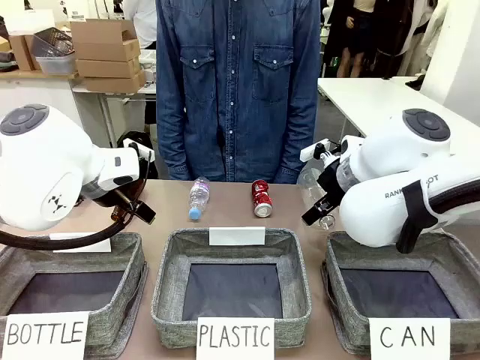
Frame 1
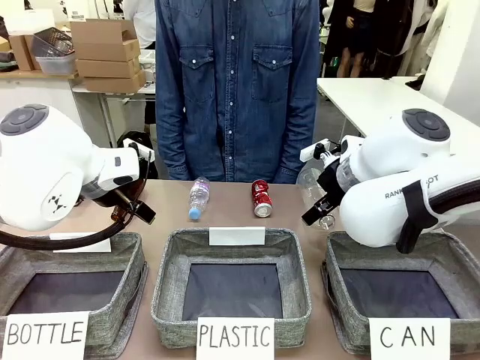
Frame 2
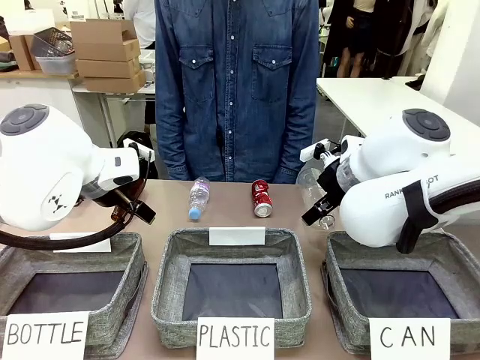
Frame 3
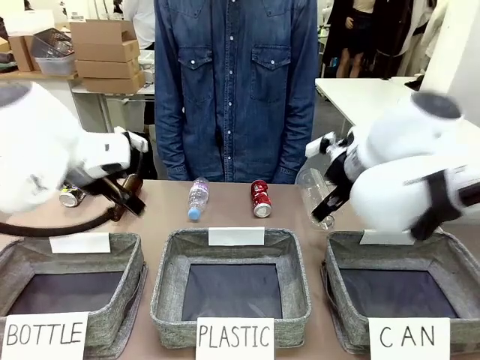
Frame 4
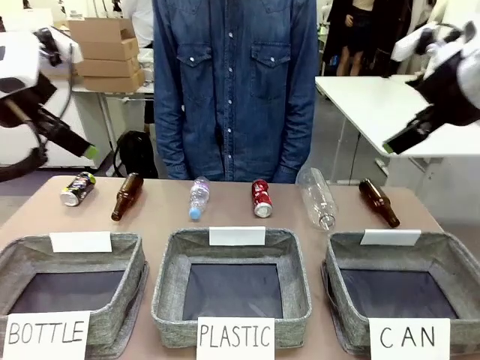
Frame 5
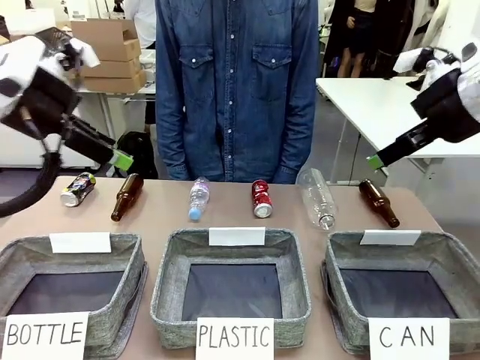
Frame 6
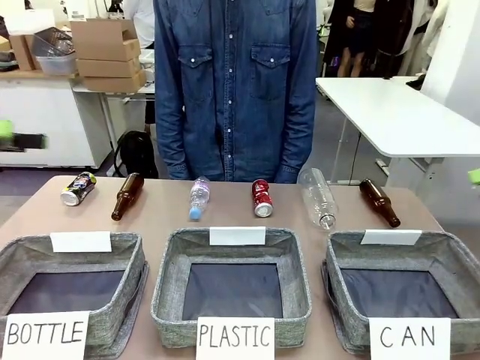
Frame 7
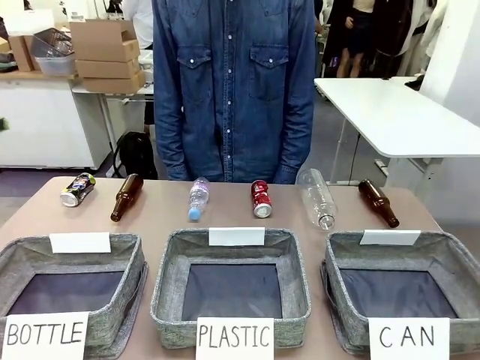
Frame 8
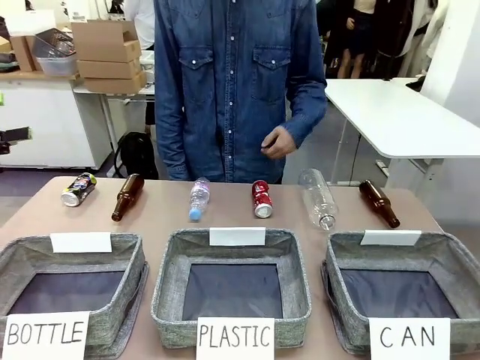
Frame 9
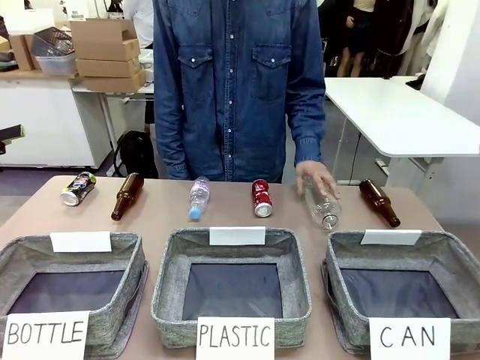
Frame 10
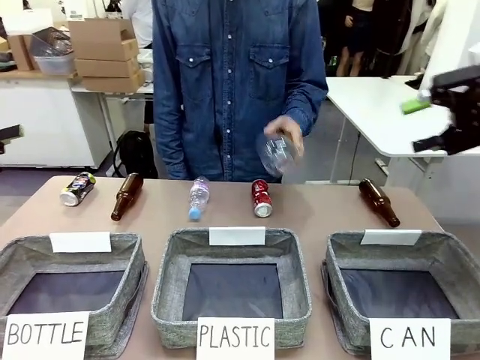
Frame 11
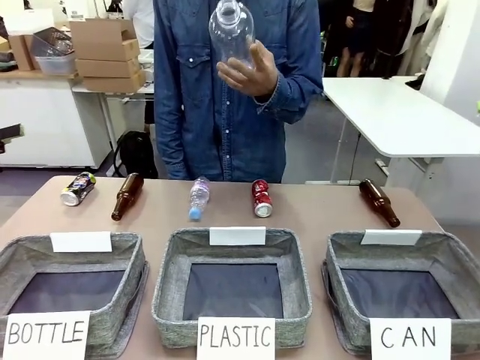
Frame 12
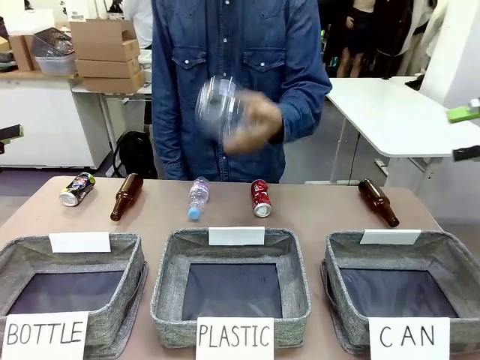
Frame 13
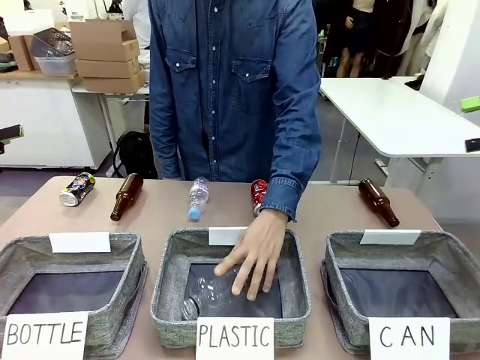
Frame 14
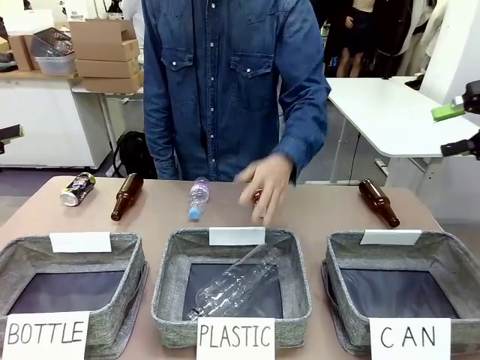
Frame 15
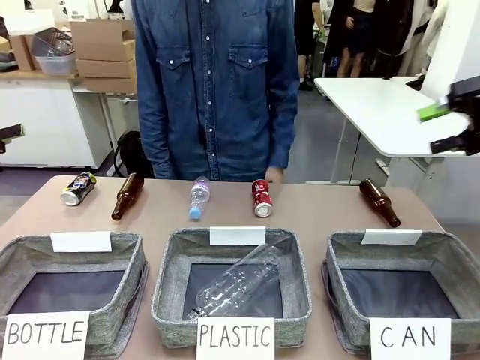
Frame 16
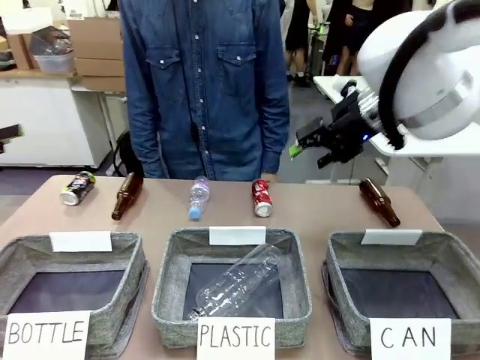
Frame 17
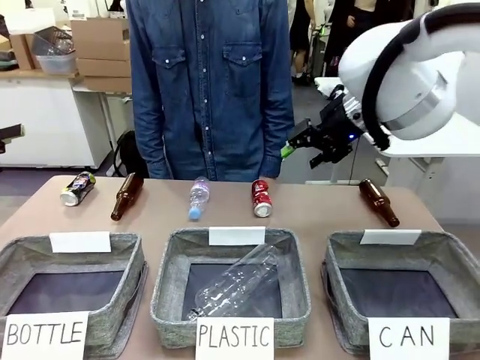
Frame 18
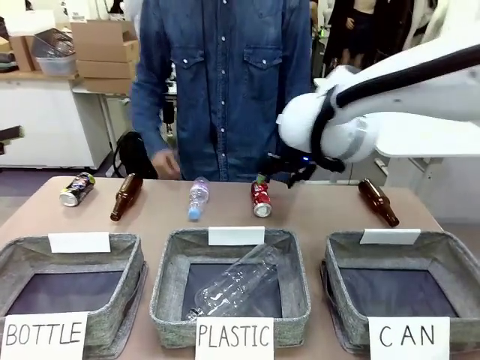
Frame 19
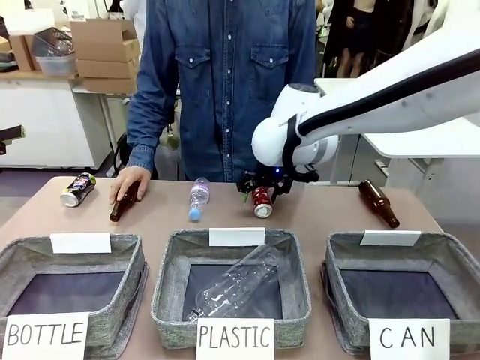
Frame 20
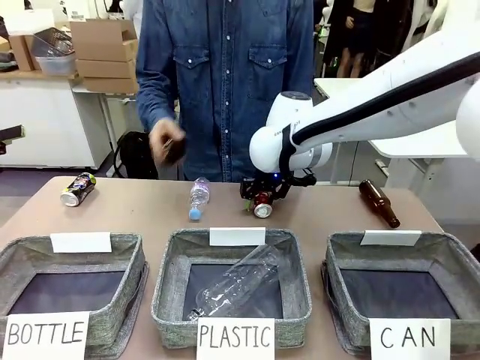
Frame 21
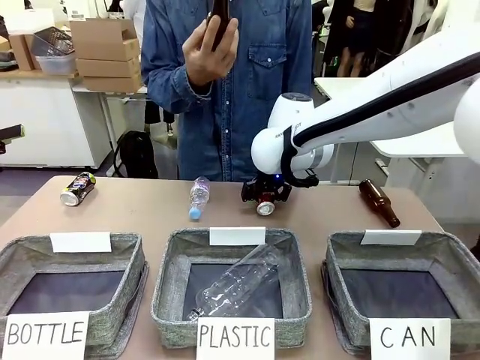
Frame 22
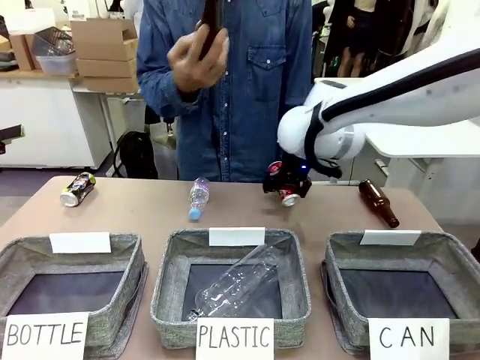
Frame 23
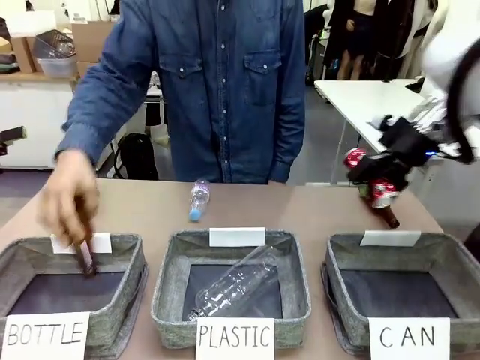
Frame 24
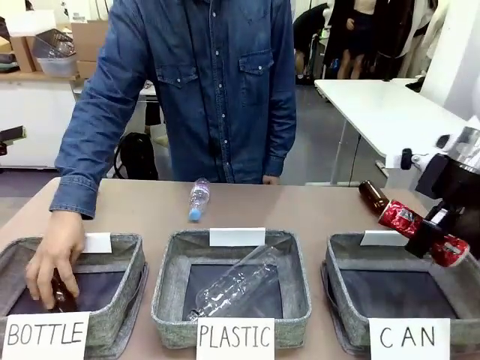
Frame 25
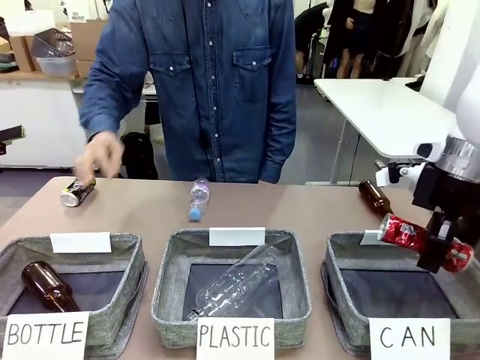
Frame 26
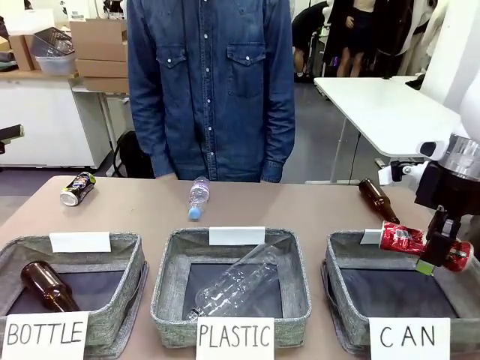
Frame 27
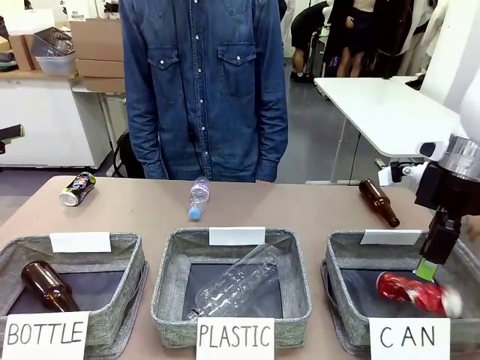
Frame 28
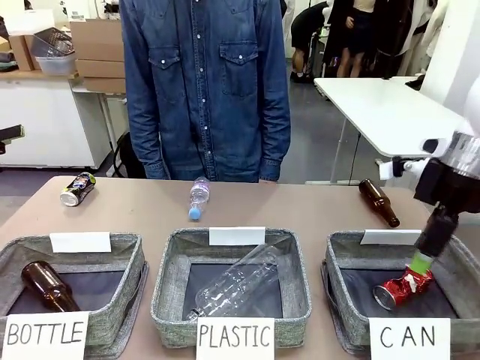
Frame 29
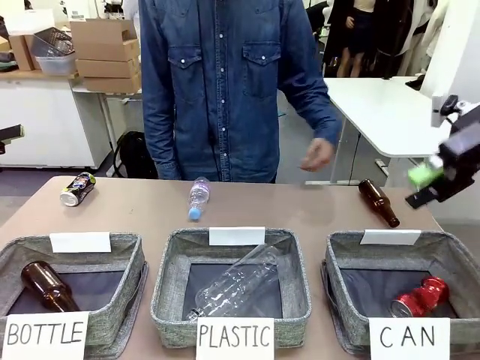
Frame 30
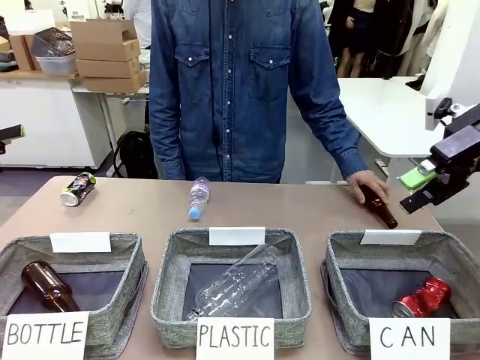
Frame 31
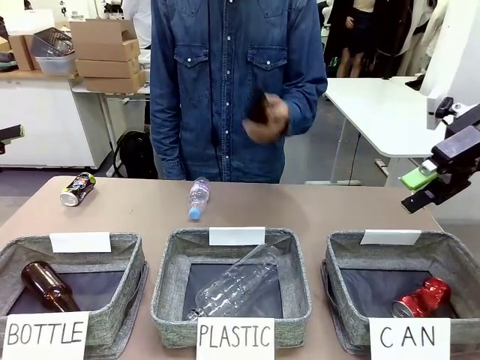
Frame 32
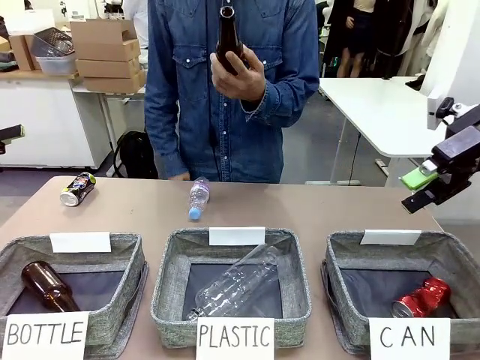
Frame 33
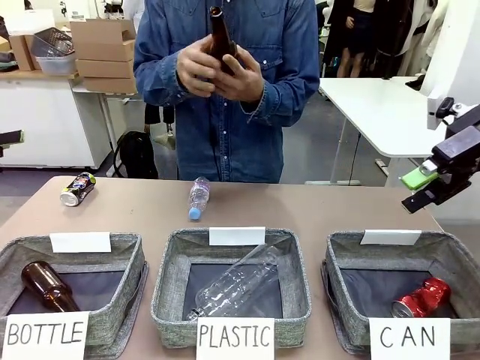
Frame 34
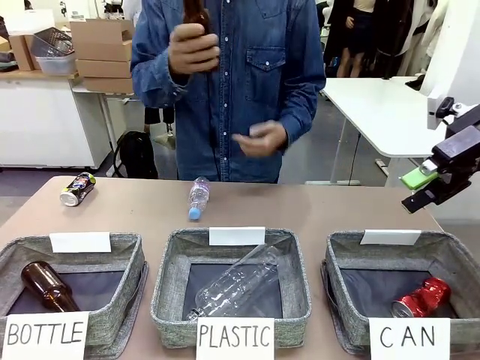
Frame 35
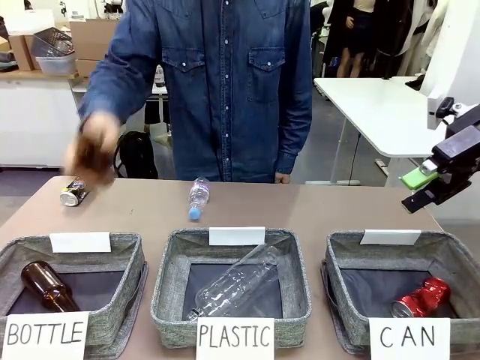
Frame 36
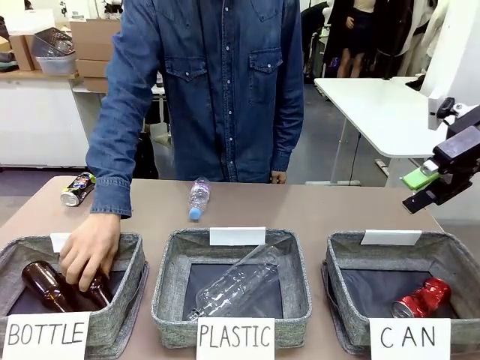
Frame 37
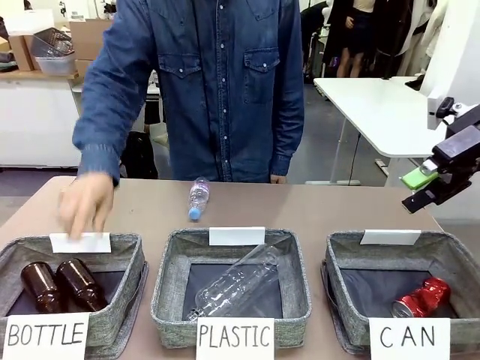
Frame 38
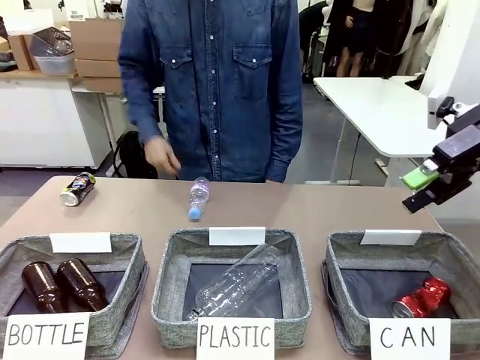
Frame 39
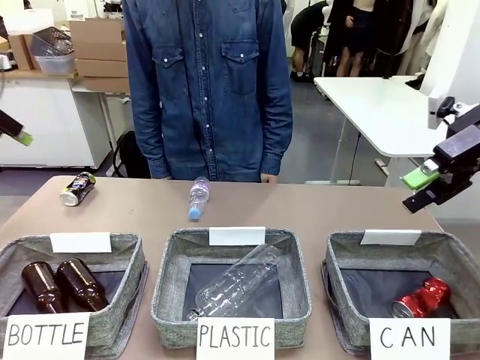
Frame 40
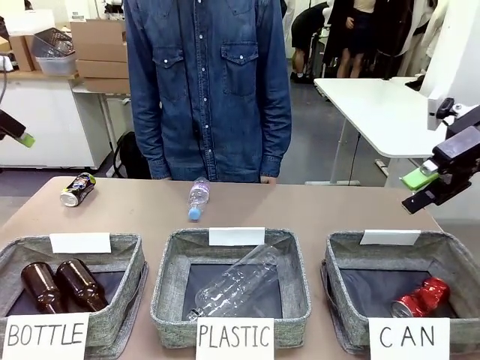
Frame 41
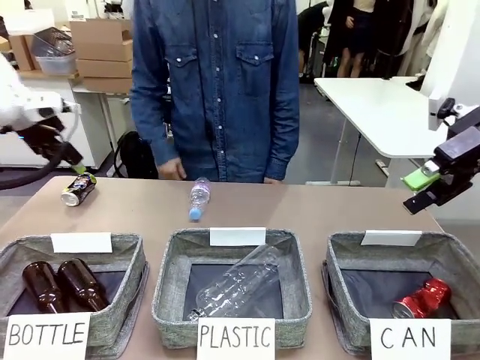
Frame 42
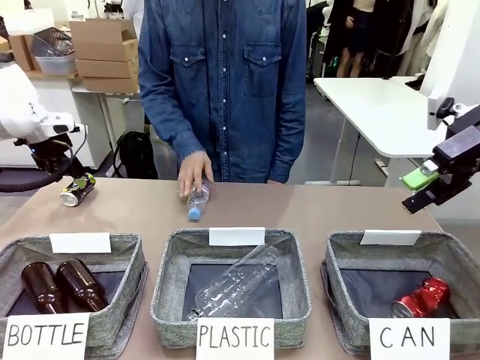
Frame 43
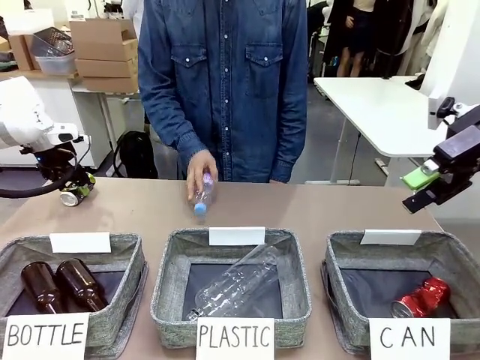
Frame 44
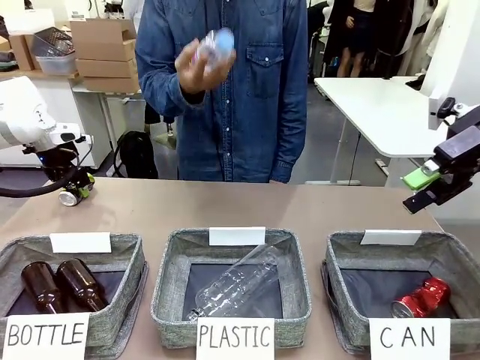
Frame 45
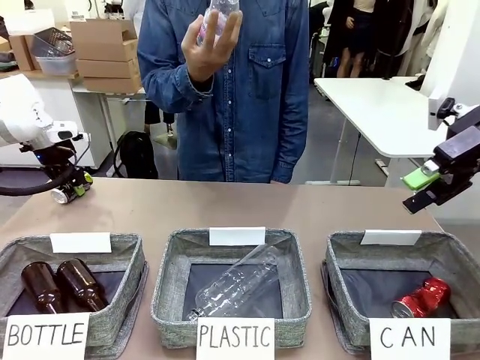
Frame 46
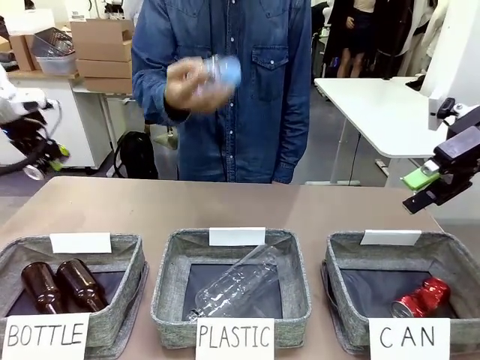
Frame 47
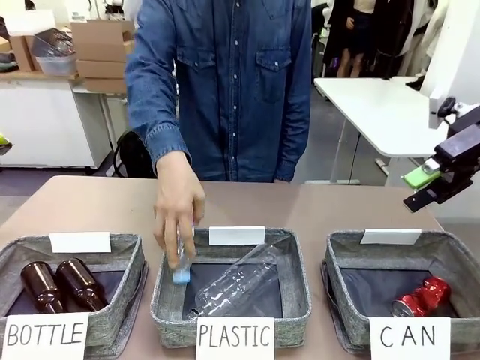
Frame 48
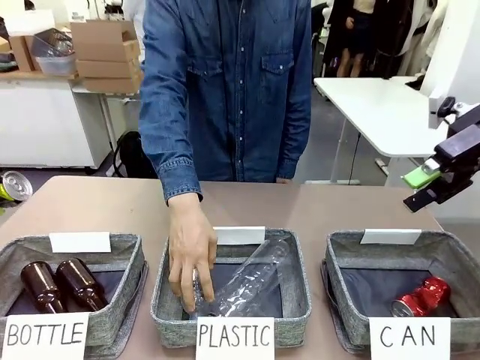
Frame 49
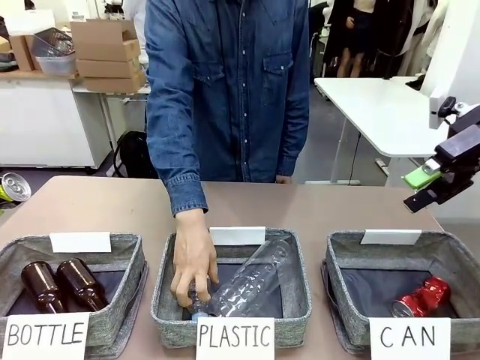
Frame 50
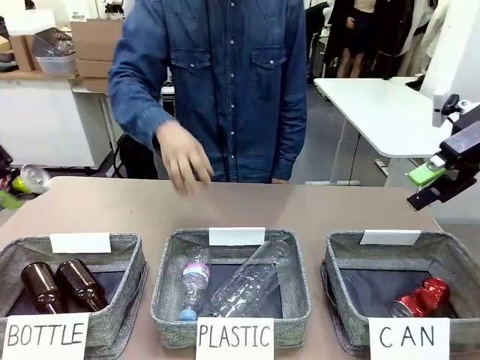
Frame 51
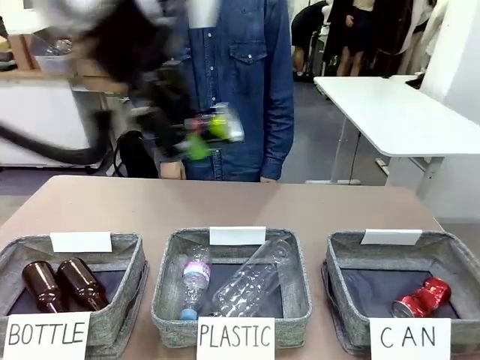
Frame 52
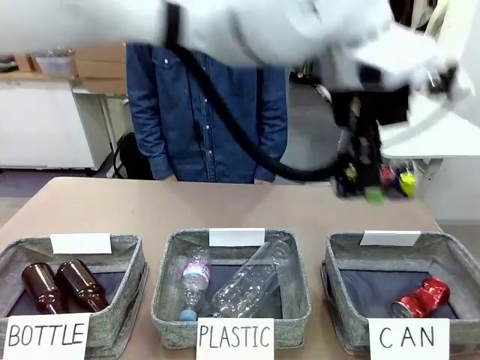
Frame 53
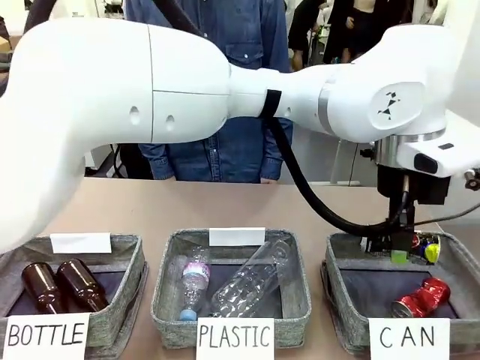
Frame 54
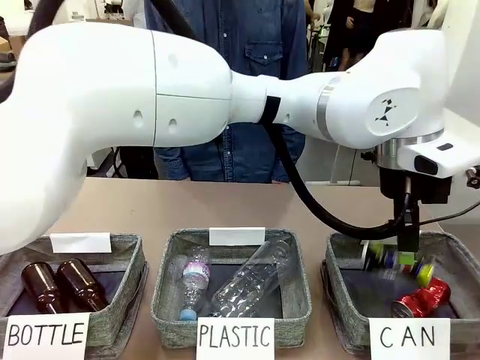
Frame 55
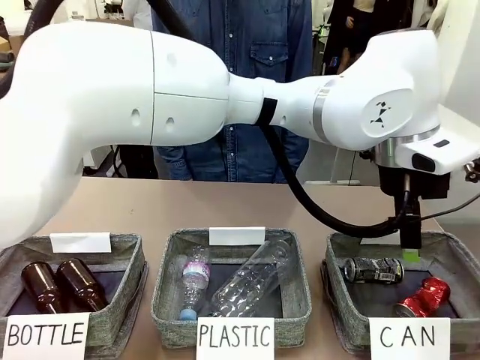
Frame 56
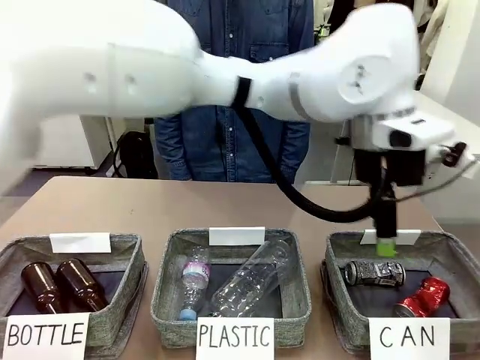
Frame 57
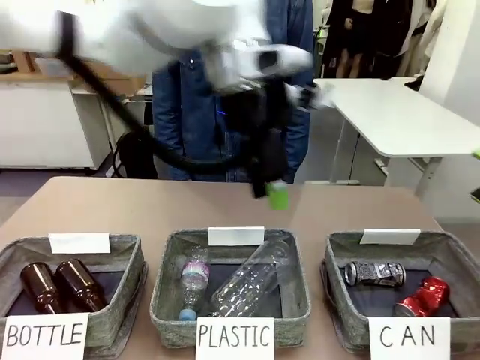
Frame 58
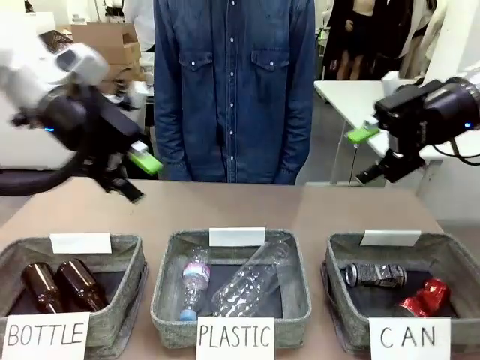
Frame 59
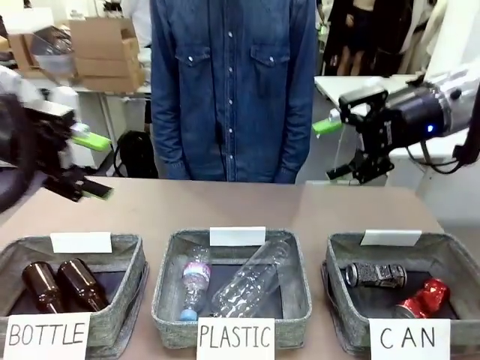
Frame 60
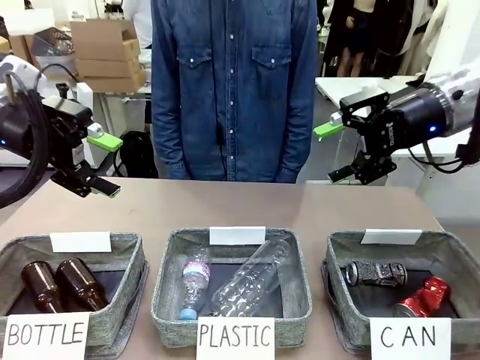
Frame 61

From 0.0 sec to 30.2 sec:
Task: Sort the can waste into the basket.
Robot: Pick up the can waste from the table and place it in the right Fabric basket.
Person: The human picks up one piece of trash that is not a can and places the trash into the appropriate organizing basket.
